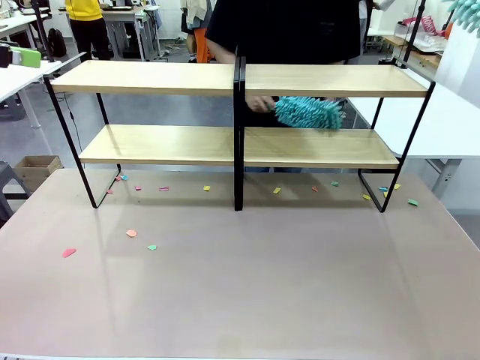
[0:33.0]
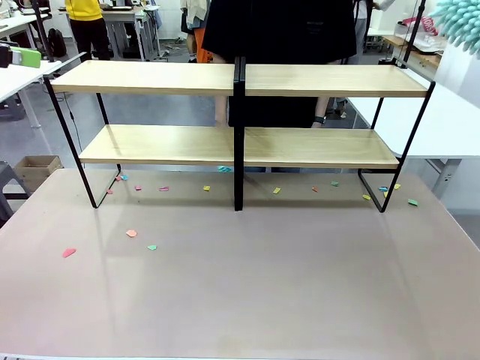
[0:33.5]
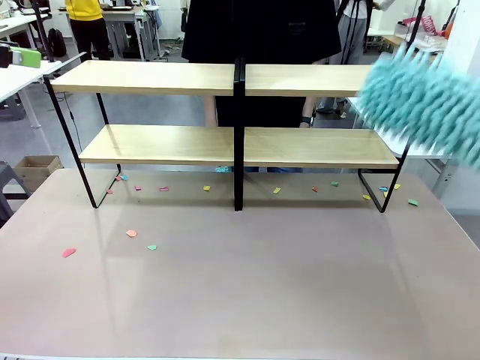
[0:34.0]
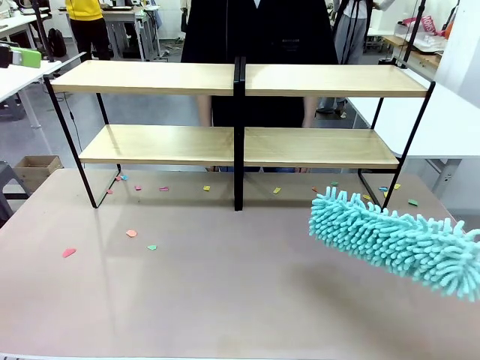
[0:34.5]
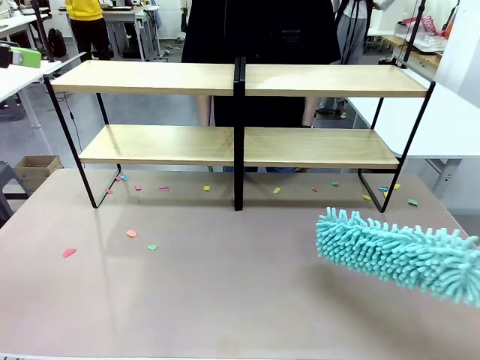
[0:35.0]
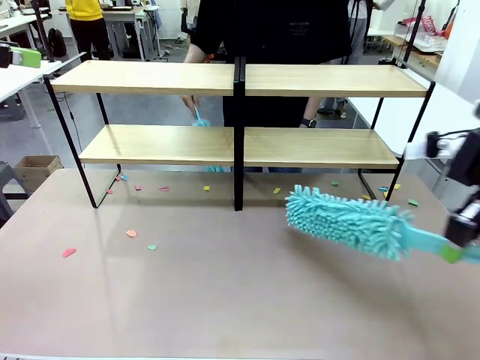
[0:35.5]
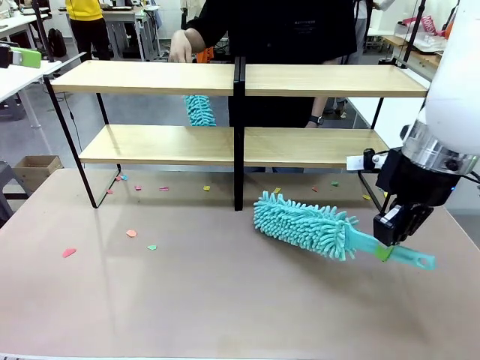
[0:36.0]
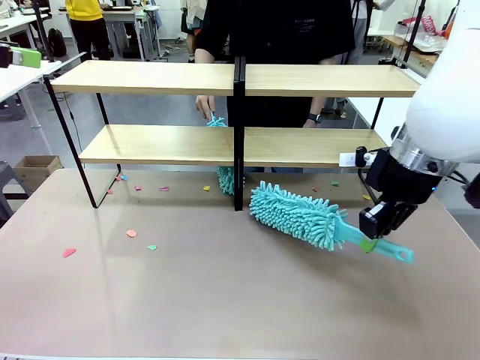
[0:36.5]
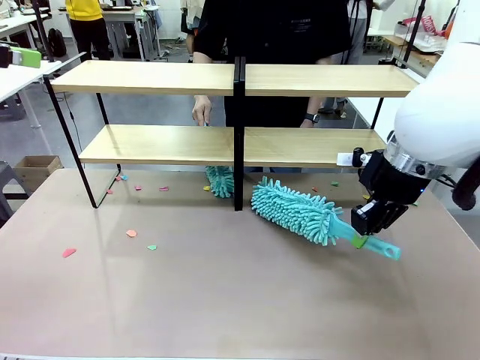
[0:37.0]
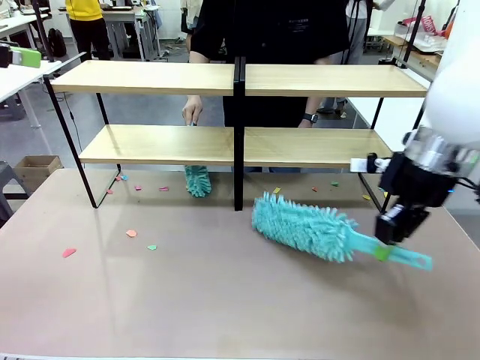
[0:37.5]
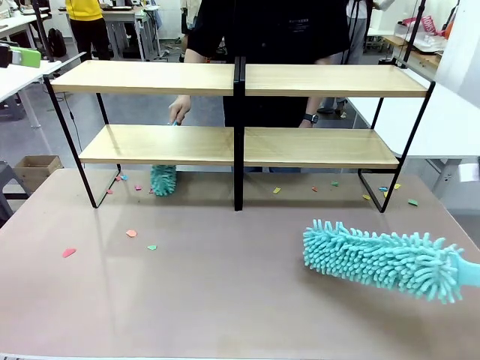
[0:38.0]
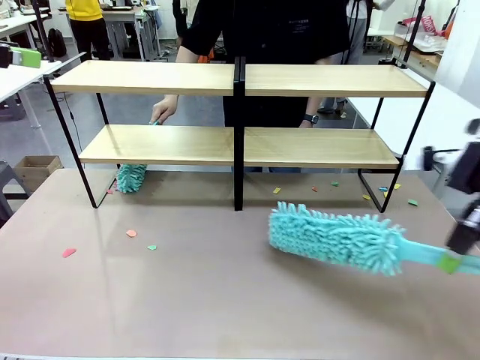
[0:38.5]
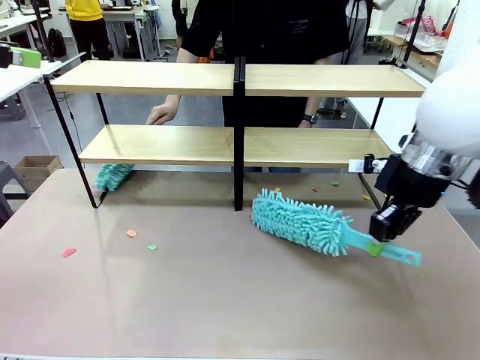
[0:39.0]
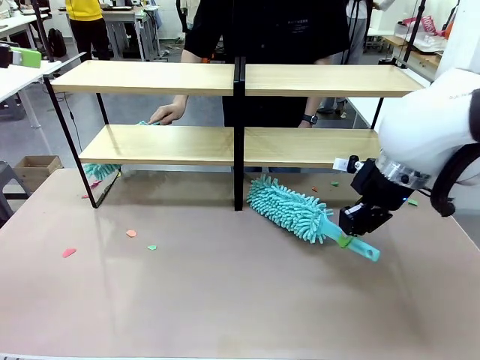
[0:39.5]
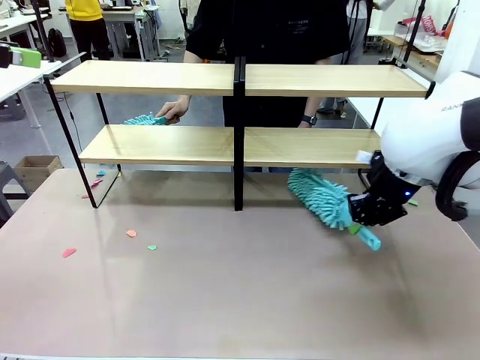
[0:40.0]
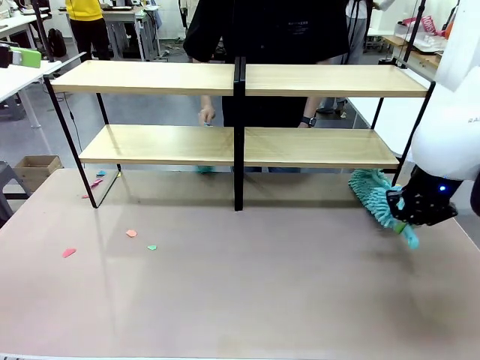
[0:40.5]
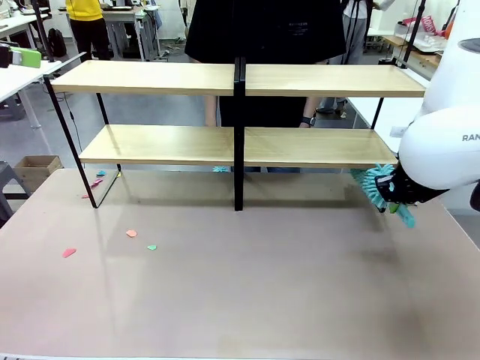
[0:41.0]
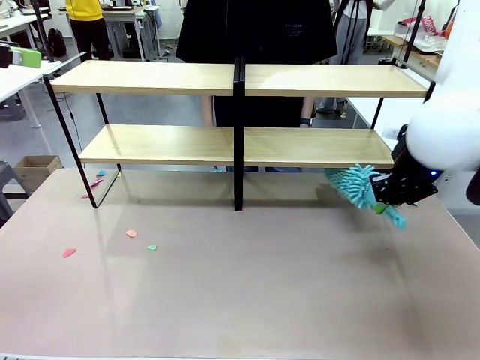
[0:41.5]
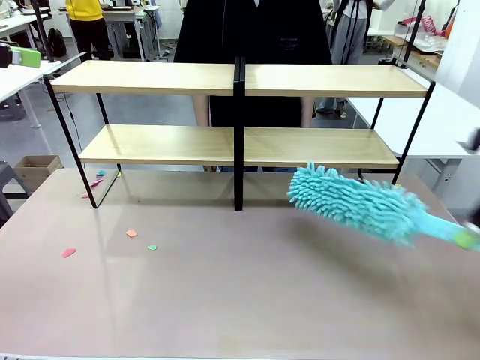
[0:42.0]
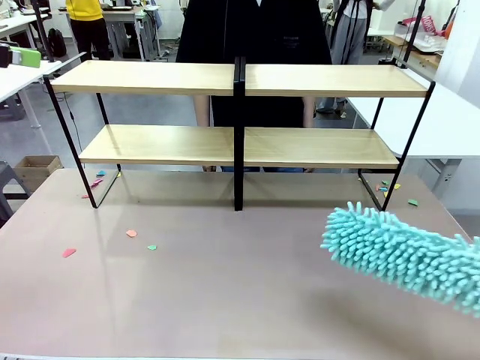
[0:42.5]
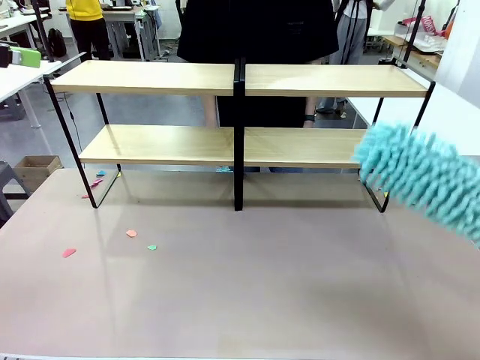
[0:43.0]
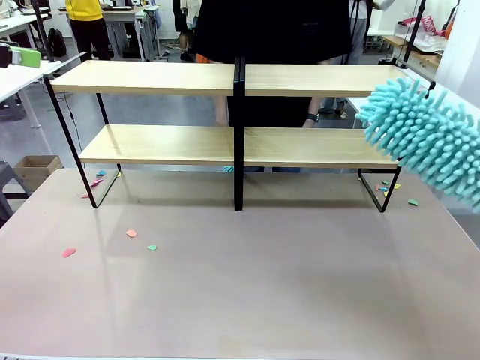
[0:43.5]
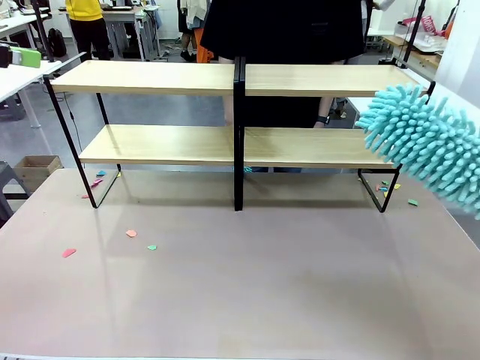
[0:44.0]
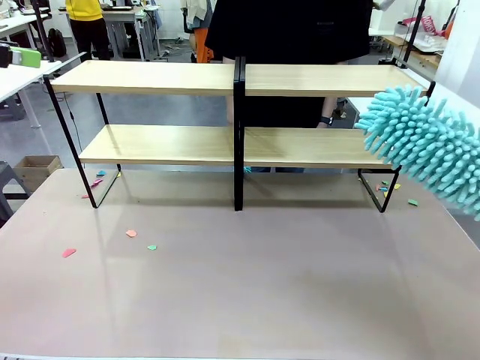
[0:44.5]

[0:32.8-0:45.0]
Task: Clean the shelves.
Robot: Clean another randomly selected level of the Shelf with the Duster.

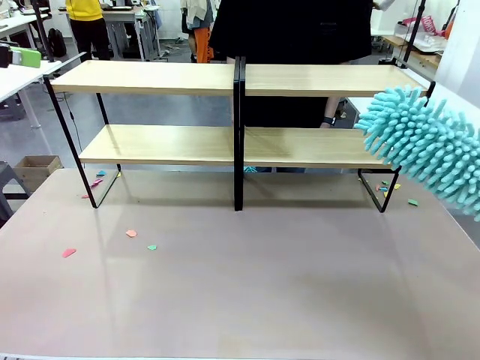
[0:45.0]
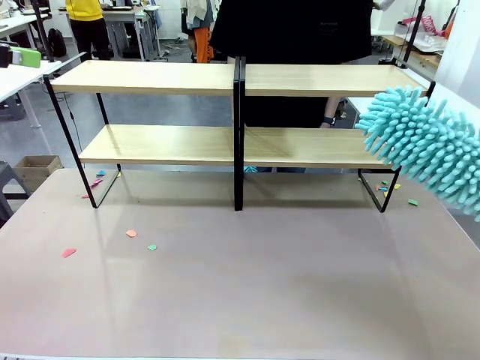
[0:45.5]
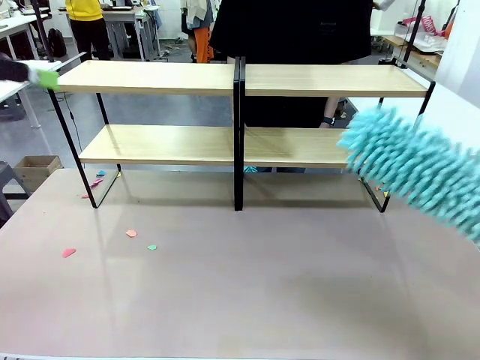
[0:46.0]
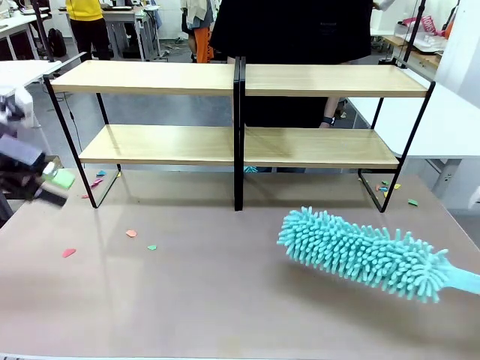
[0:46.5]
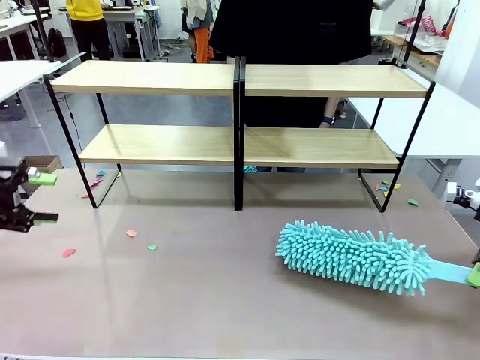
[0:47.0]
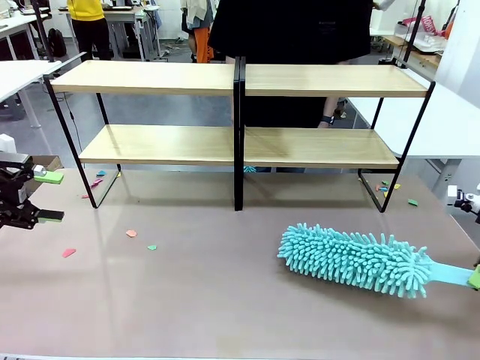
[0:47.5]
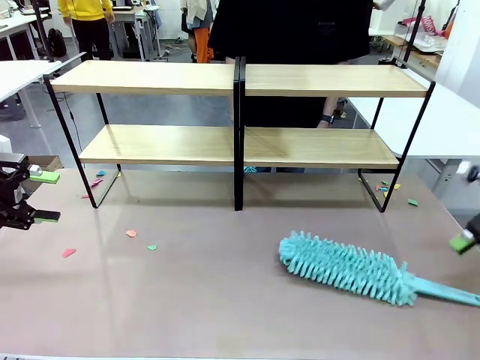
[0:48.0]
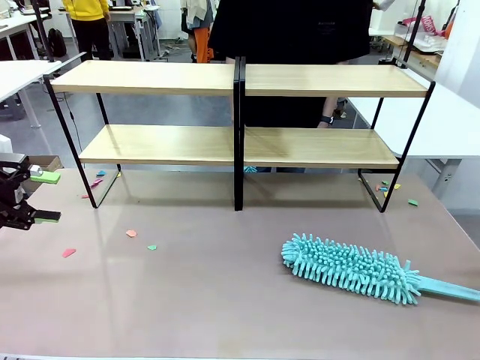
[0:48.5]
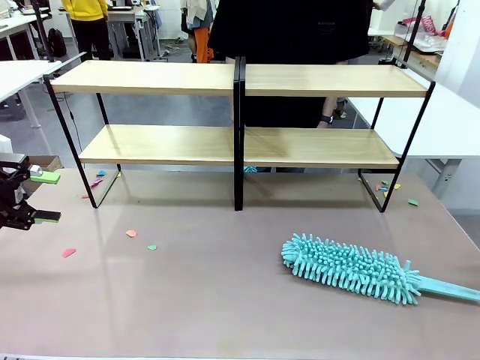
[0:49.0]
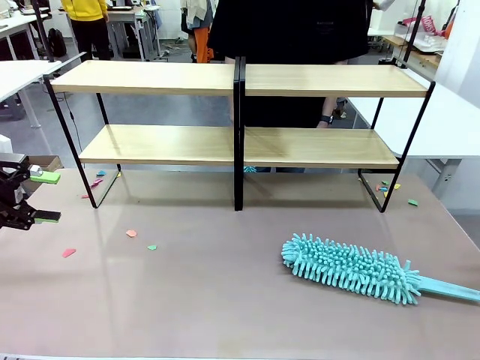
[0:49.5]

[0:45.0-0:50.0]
Robot: Place the Duster on the table.
